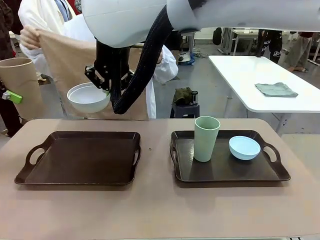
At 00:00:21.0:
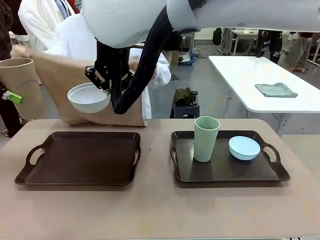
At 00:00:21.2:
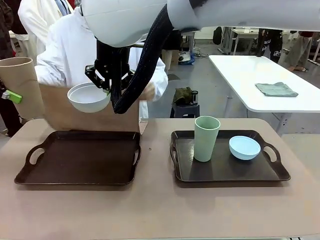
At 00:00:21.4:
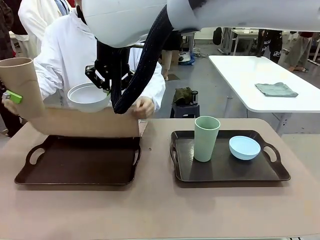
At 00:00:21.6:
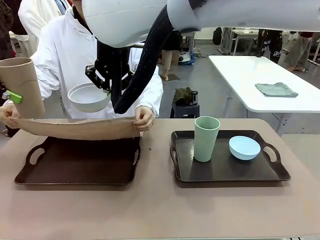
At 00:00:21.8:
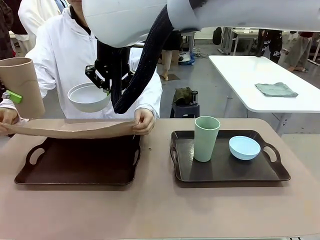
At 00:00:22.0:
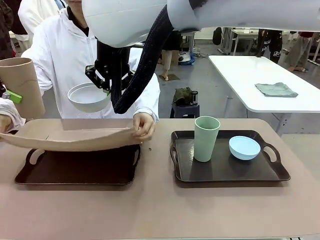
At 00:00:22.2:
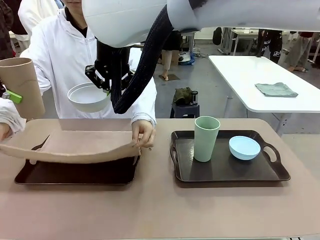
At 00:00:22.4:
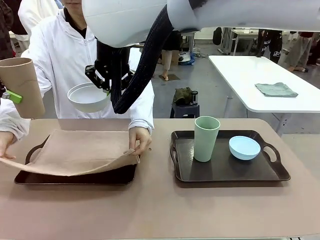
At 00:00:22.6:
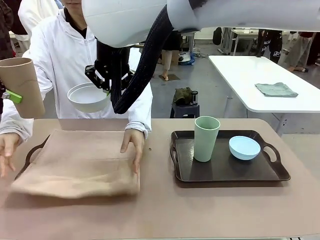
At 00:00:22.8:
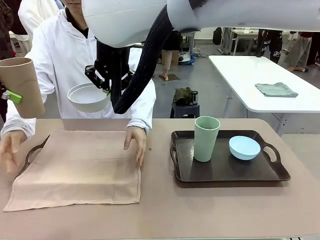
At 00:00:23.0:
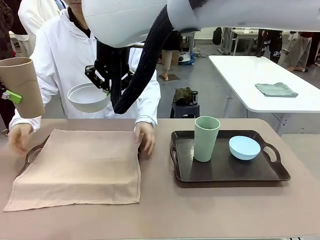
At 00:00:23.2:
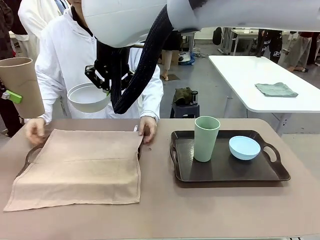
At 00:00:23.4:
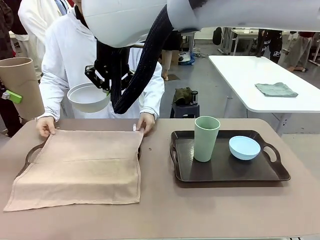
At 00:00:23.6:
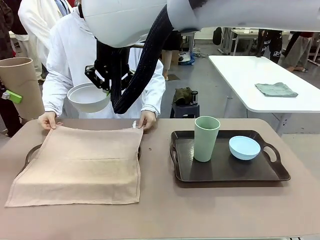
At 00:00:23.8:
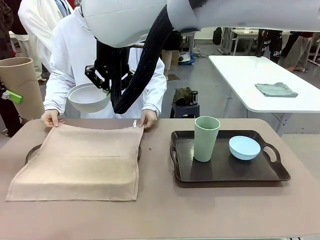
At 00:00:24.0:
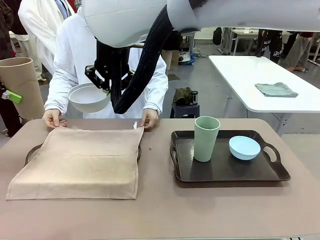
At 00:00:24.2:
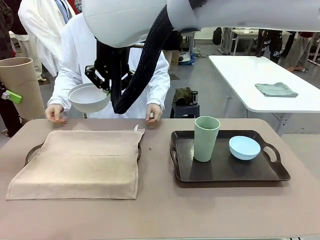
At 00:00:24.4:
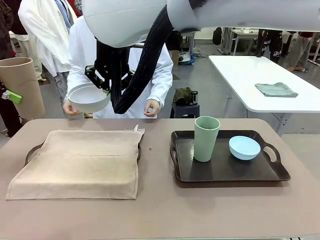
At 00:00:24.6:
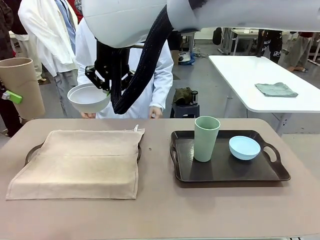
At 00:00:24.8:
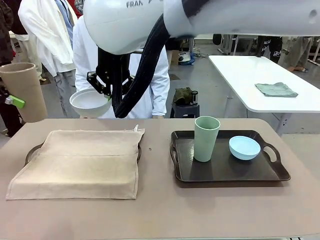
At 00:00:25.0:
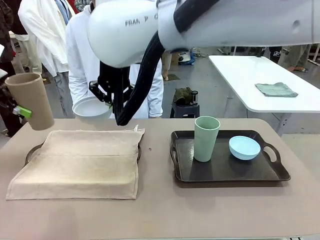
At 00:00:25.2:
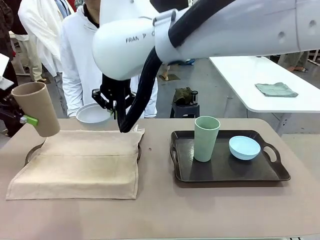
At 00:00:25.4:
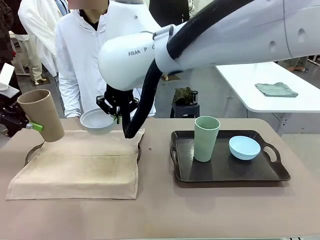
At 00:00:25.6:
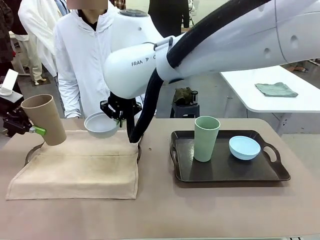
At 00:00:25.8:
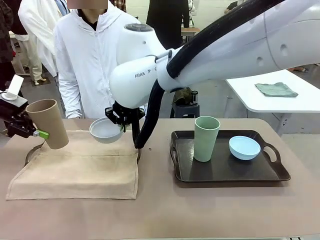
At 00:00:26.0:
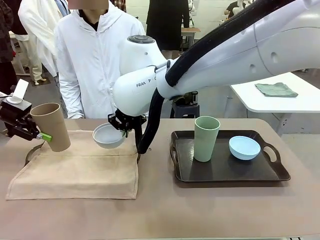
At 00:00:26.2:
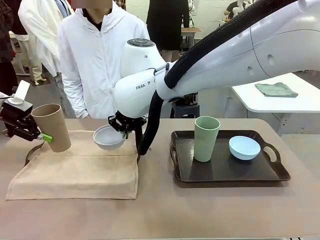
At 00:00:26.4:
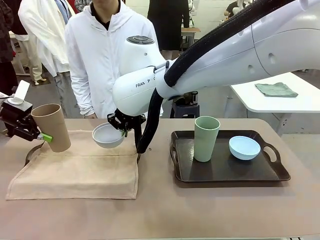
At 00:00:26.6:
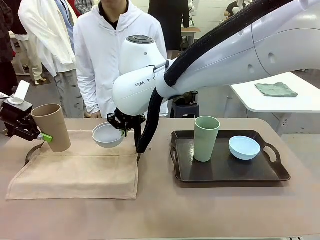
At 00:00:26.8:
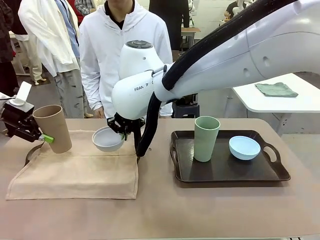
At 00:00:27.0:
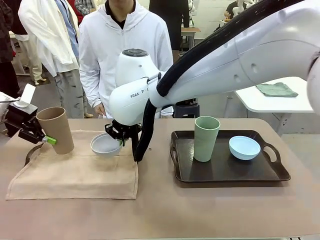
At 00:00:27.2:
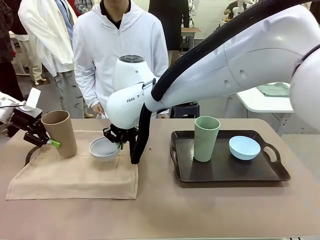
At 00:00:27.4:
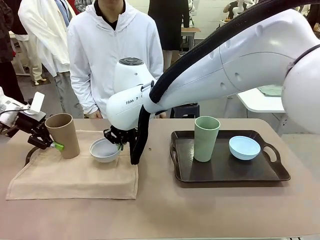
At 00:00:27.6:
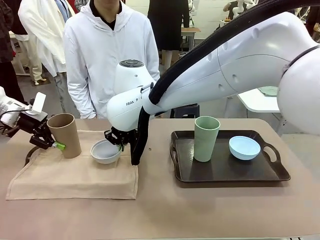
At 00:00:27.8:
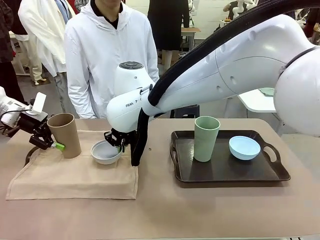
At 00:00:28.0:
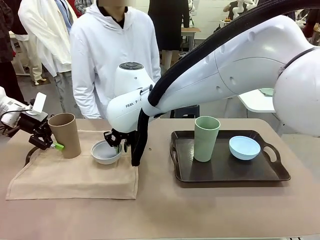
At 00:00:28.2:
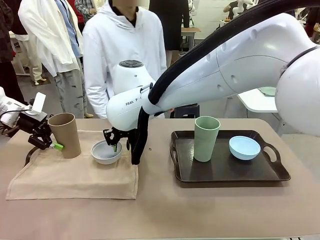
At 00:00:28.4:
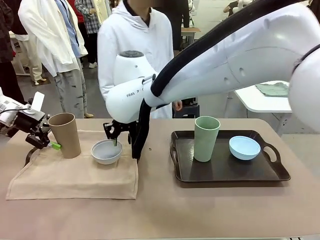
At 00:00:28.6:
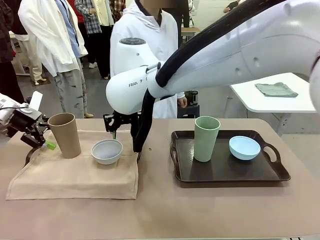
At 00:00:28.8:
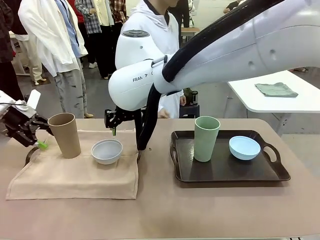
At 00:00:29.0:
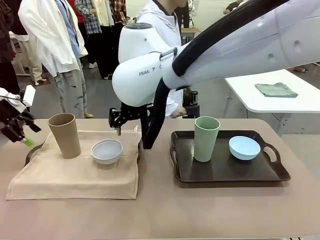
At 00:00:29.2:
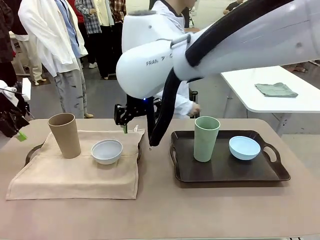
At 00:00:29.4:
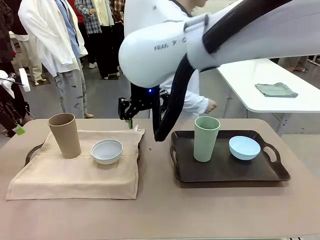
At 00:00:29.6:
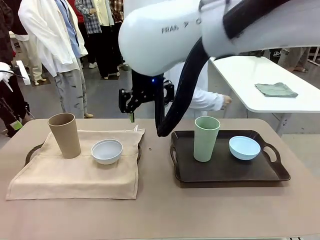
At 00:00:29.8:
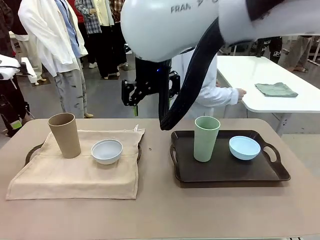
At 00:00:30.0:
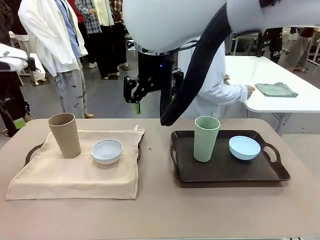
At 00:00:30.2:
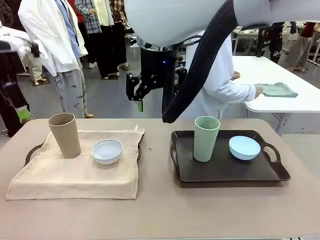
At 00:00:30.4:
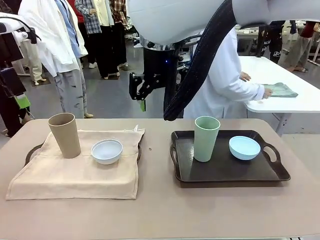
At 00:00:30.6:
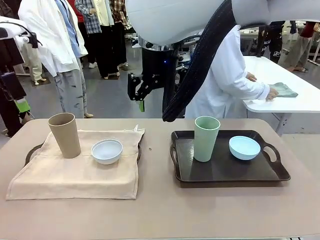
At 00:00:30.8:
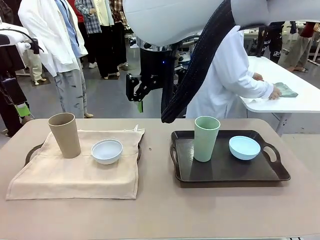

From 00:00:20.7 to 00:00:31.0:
Robot: Place the Picnic Bowl and Reusable plastic cup back onto the Handle tray in front of the human's position.
Person: The human returns to the human table to pick up another napkin and walks to the robot table to stand in front of the tray without a napkin.

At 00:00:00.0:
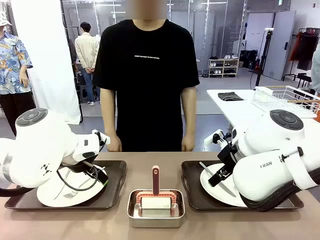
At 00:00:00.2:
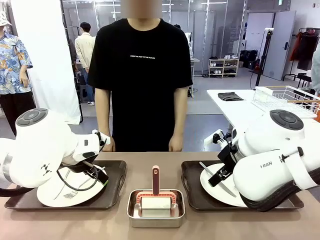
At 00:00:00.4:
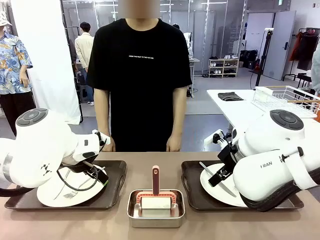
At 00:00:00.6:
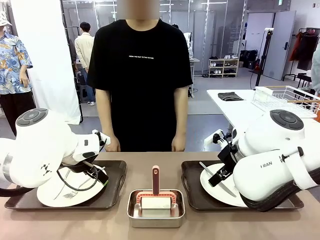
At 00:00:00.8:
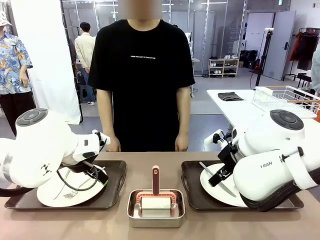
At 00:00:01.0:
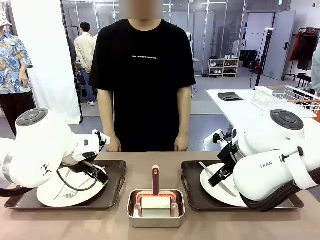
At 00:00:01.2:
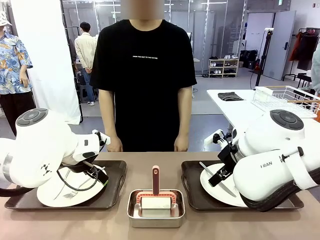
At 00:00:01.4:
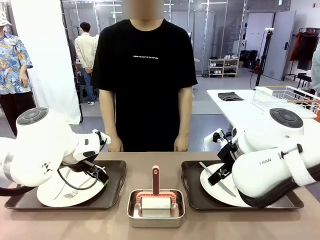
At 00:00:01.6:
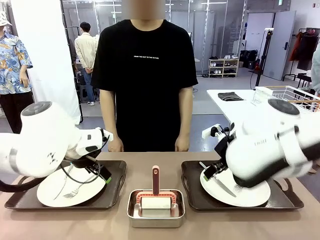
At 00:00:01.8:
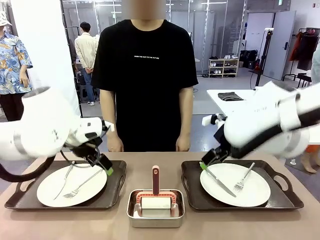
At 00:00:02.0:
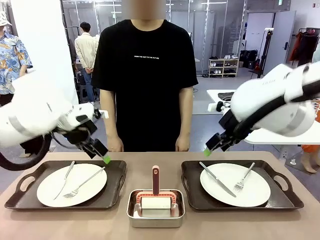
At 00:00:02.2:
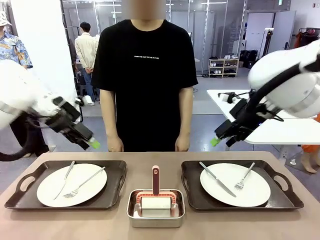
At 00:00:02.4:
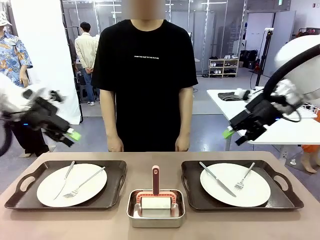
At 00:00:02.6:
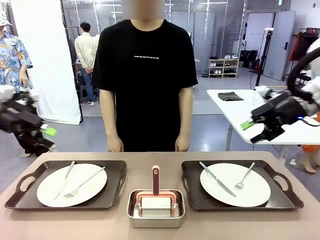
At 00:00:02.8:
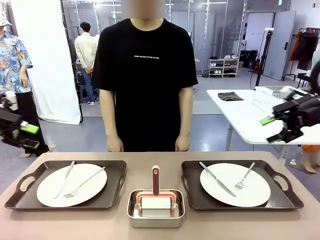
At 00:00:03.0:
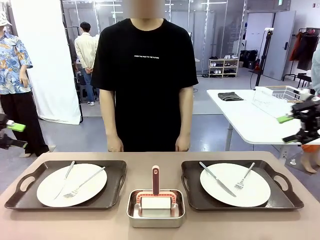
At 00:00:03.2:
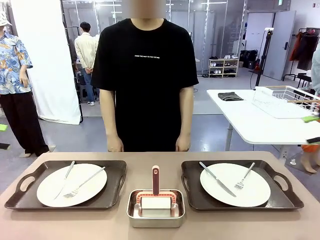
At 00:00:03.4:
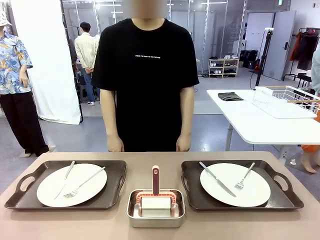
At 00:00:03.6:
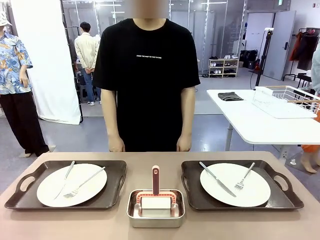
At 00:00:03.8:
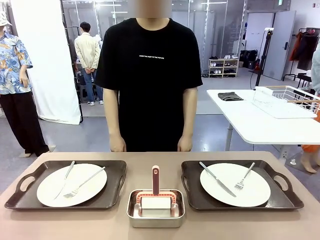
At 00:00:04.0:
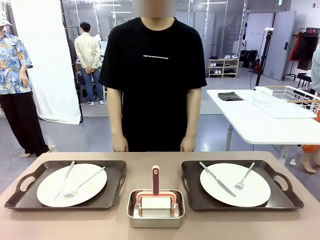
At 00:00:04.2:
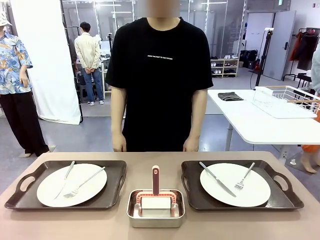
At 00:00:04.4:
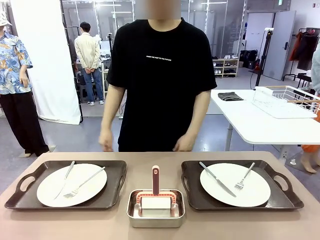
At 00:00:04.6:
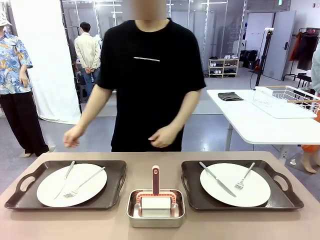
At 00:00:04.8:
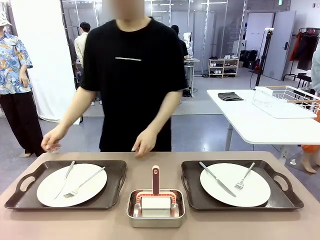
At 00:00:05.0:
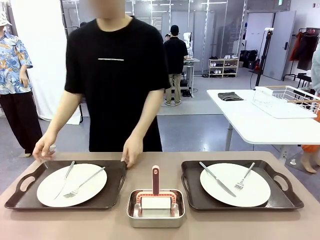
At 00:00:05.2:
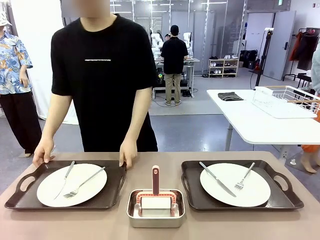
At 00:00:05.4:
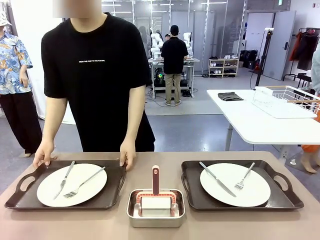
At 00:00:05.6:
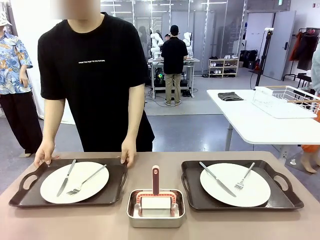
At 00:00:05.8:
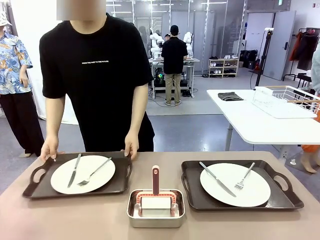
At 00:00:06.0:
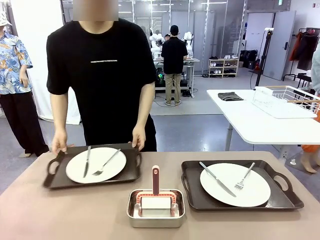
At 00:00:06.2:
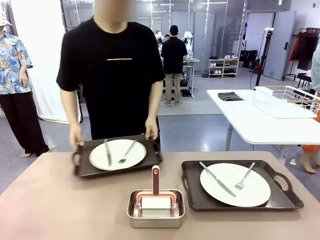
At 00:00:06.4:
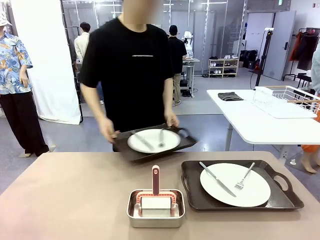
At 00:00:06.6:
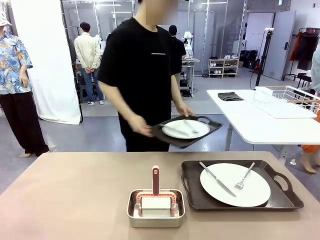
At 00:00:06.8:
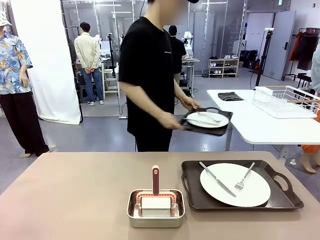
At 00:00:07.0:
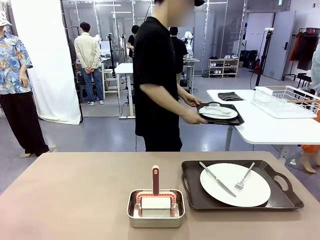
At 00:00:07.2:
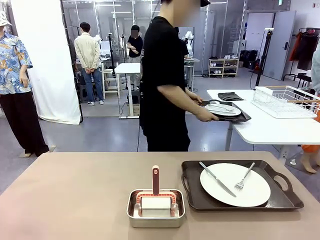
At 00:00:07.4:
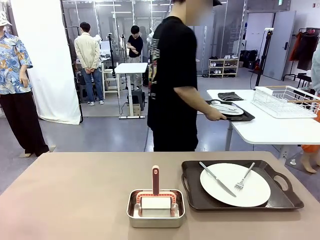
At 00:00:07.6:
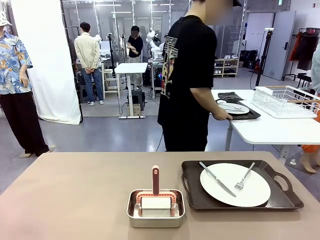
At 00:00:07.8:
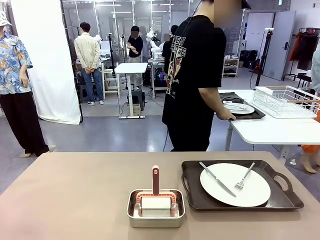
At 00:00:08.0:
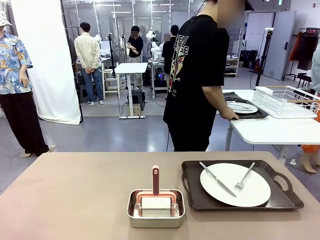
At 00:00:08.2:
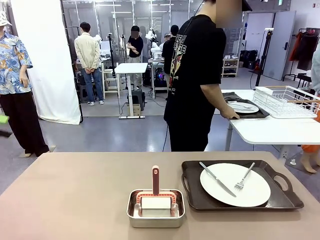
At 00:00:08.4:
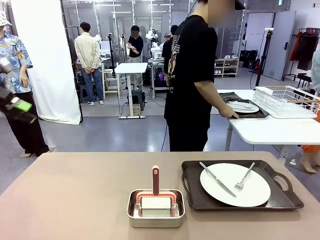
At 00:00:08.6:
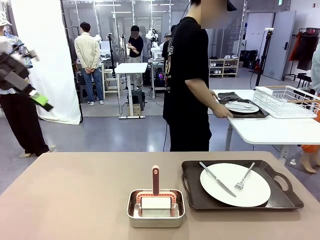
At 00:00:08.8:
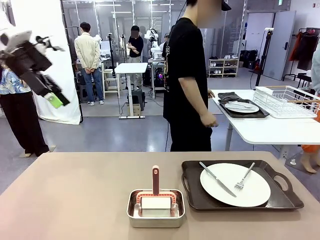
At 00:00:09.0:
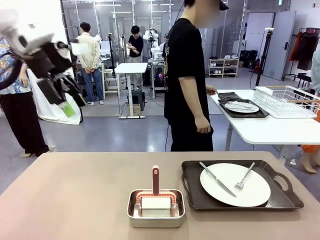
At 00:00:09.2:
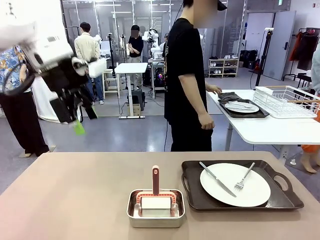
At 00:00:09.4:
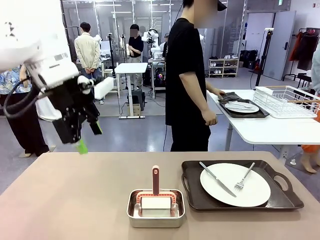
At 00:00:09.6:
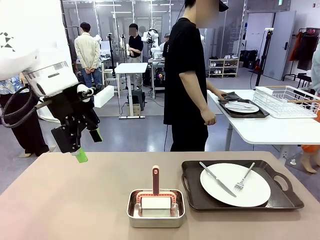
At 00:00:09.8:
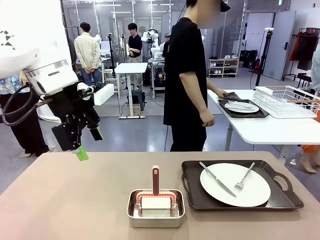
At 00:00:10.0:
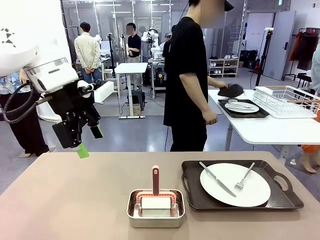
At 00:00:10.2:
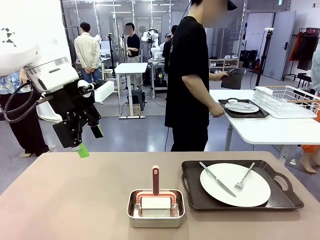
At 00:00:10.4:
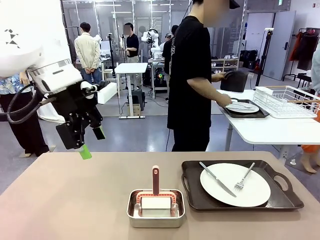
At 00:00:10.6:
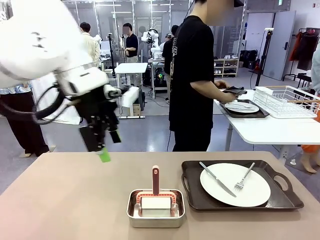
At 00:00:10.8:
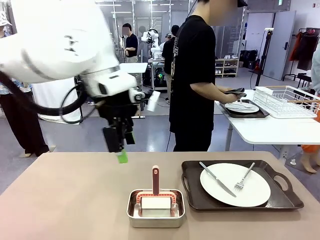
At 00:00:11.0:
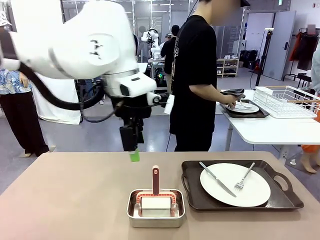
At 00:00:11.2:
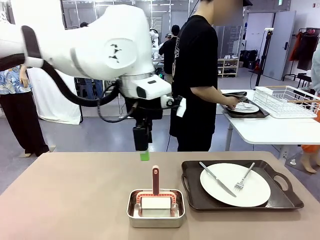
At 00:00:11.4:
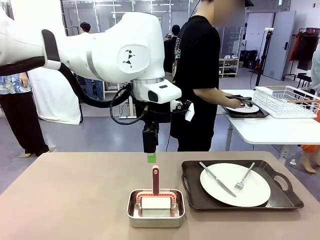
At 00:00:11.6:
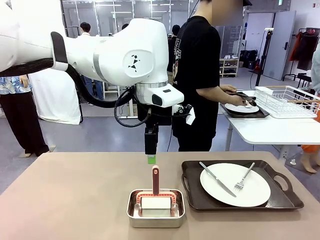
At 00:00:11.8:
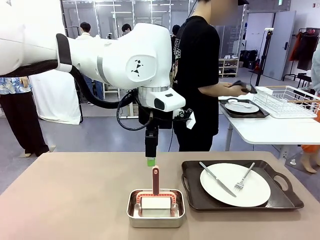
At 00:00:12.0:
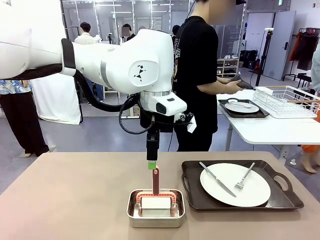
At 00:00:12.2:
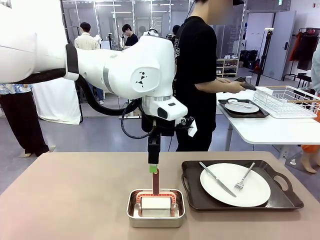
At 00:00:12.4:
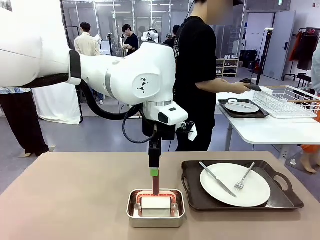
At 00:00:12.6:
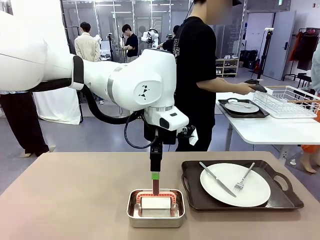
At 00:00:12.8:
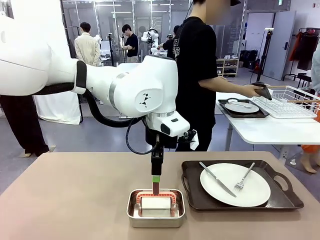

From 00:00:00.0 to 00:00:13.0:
Robot: When the left (or right) Handle tray is removed, use the left hand (or right hand) to clean the left (or right) side of the table with the Lint Roller.
Person: Pick up the left (or right) Handle tray and place it on the middle of the Human's table.
